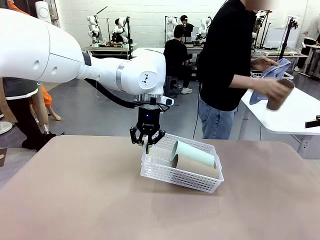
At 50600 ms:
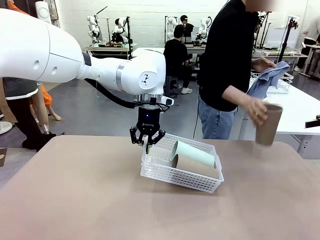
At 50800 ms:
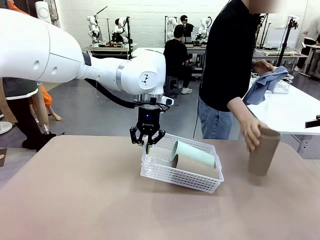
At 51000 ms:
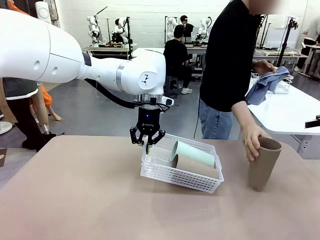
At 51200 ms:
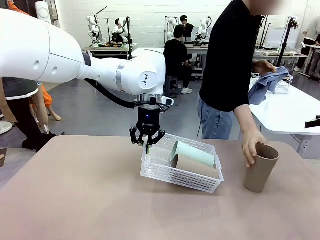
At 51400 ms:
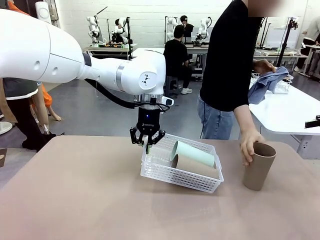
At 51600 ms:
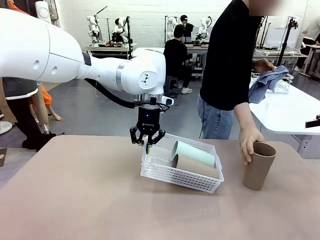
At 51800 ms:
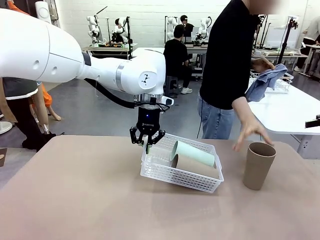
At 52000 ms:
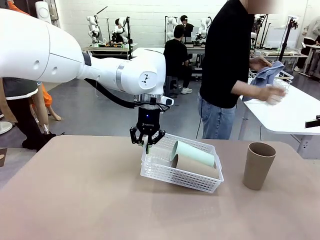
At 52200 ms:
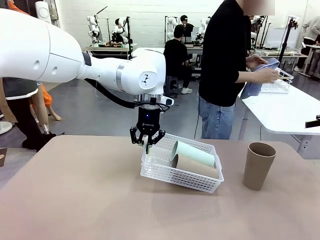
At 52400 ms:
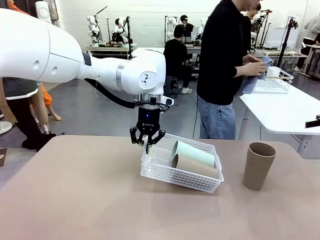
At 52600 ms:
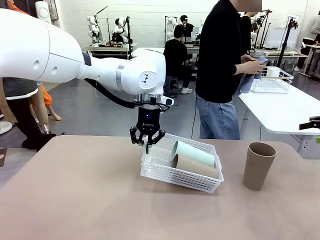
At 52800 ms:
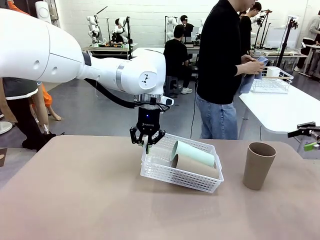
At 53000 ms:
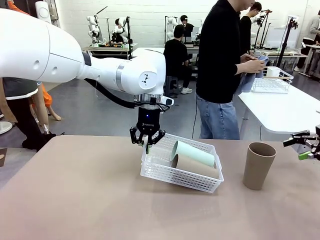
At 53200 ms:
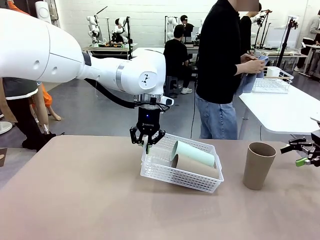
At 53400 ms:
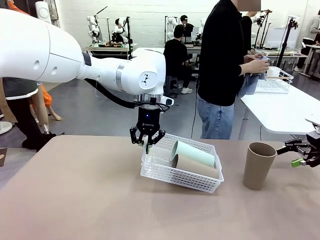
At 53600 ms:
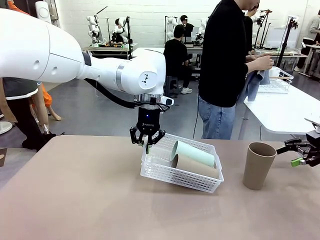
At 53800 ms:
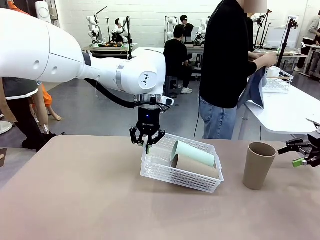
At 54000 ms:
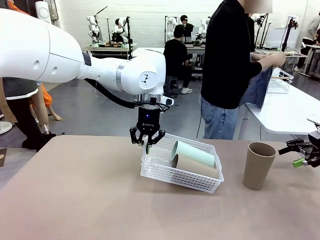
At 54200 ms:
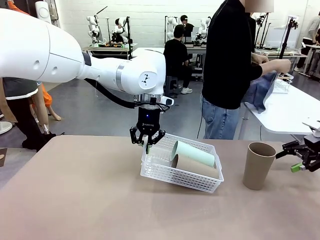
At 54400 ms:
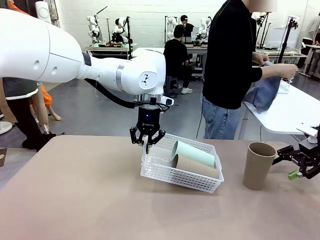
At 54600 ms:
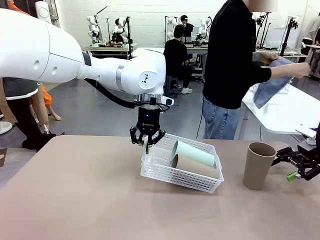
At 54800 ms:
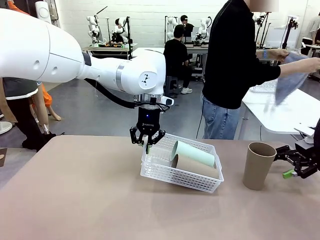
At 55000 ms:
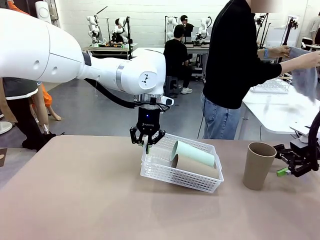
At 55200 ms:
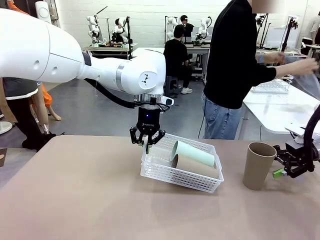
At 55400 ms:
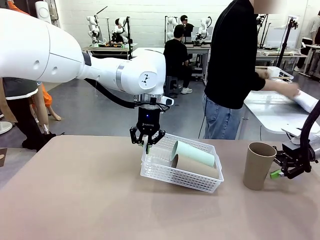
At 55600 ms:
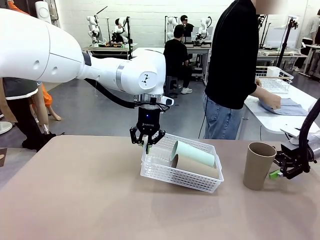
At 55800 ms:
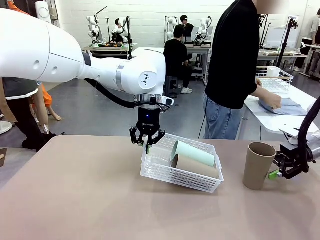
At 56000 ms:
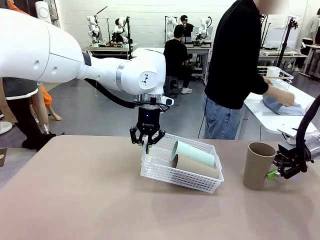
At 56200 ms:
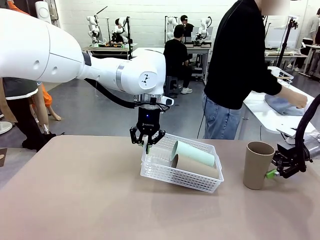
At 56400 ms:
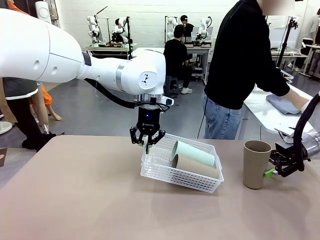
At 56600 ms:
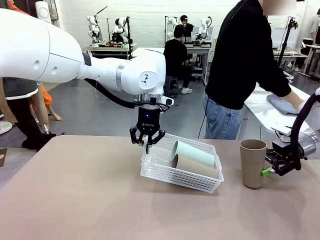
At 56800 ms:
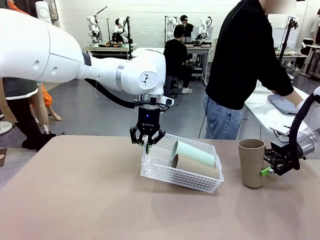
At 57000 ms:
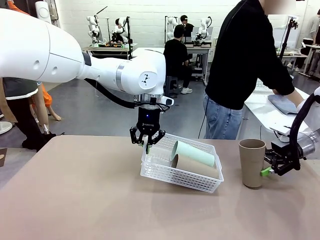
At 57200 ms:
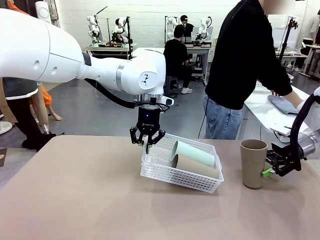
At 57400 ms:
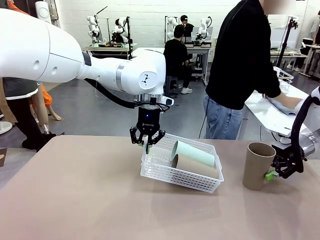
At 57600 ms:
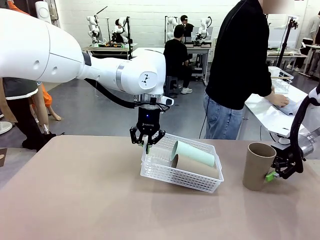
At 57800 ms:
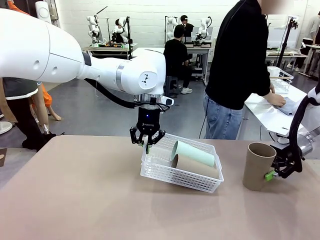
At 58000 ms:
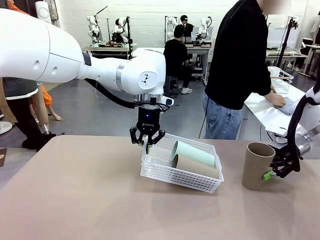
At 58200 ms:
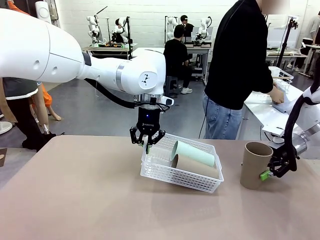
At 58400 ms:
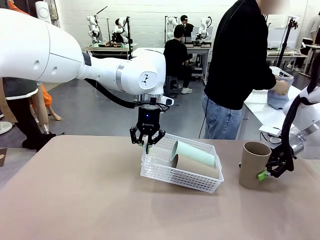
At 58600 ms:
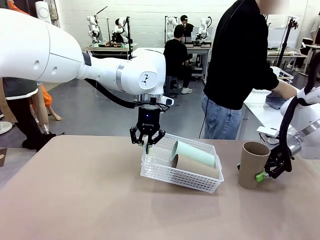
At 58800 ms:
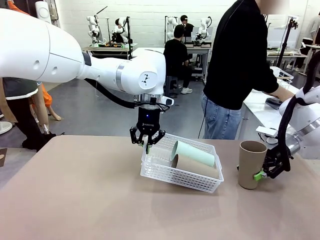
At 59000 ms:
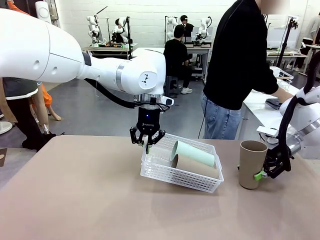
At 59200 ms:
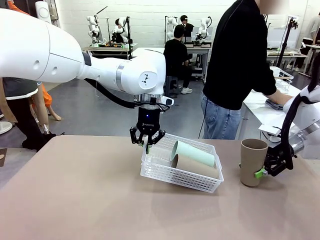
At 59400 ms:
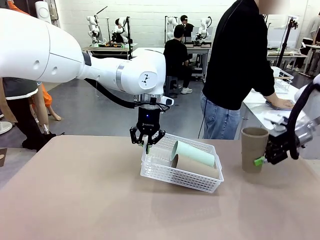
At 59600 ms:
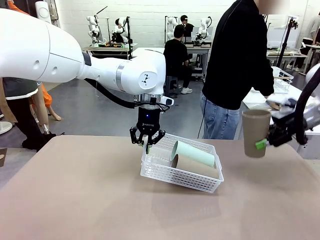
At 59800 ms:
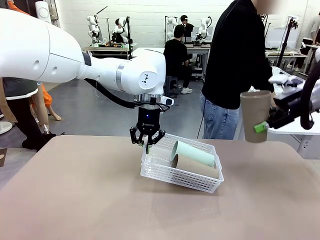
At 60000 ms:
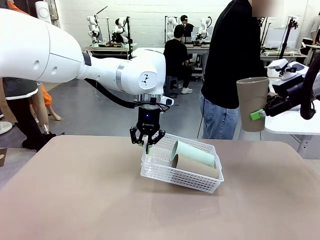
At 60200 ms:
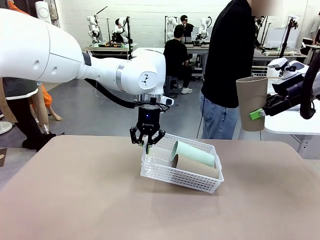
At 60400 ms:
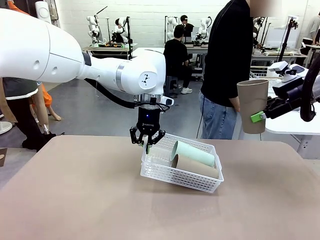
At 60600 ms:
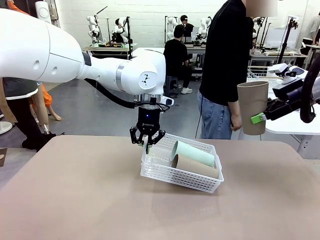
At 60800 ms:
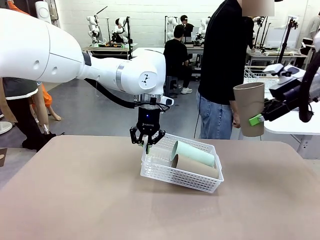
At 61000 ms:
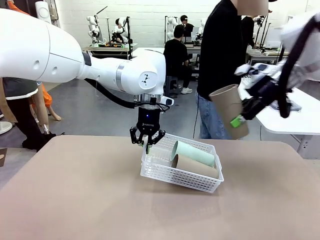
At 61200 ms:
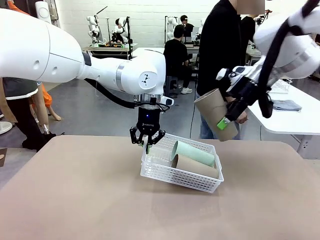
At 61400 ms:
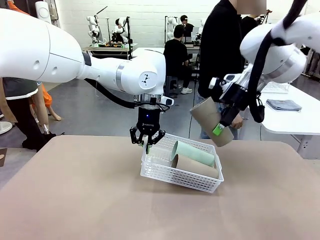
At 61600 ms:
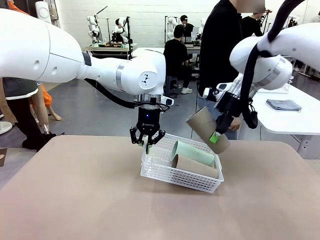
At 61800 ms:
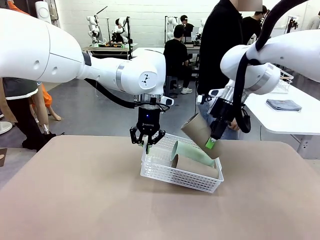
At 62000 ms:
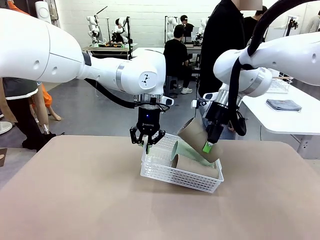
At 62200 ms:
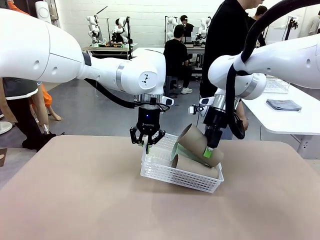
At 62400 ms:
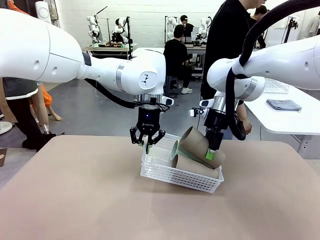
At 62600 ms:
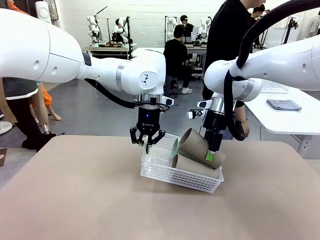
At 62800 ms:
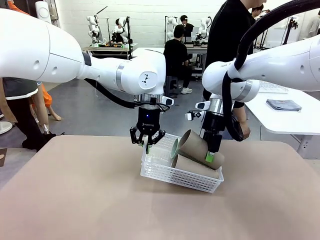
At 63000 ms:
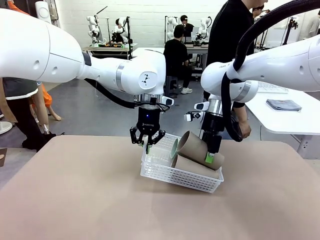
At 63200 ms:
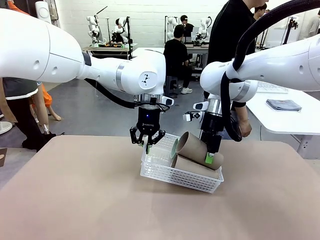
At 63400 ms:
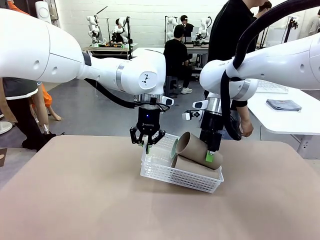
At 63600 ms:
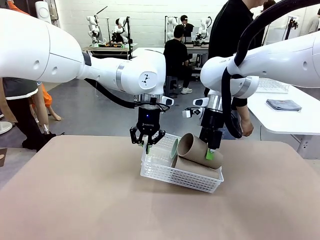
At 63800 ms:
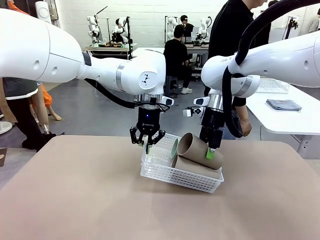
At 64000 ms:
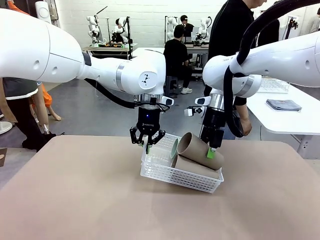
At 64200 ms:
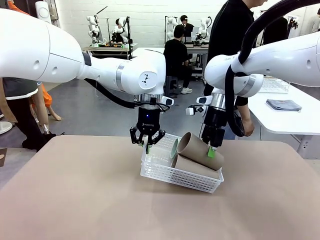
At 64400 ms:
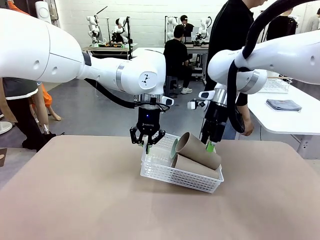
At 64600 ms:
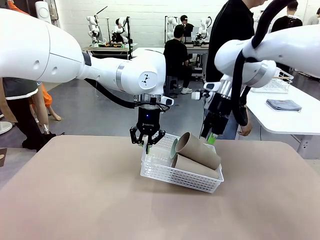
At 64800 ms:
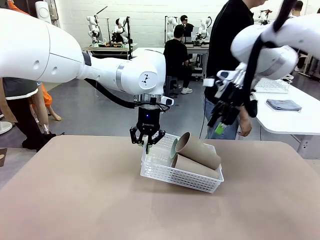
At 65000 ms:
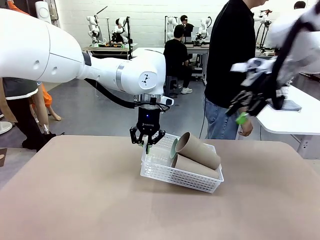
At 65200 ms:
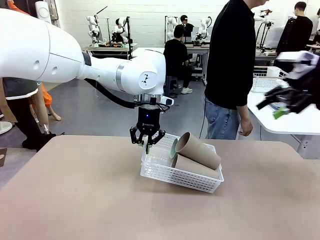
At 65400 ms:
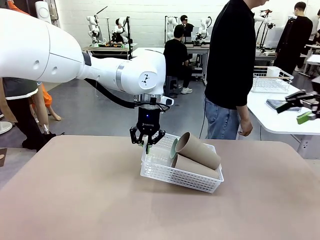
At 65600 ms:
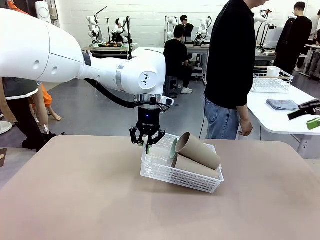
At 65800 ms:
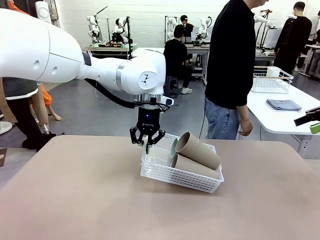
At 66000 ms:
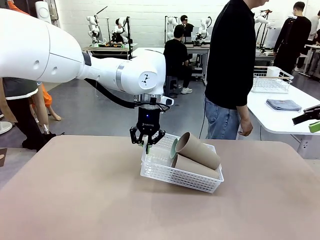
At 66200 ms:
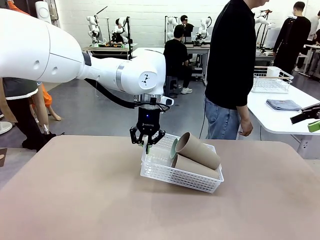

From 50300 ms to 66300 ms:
Task: Clean and organize the cups into the basket.
Robot: Pick up the Reusable plastic cup from the right side of the table and stack it inside the Organizing basket in the center of the table.
Person: Folds the towel in half twice and places it in the right of the table.

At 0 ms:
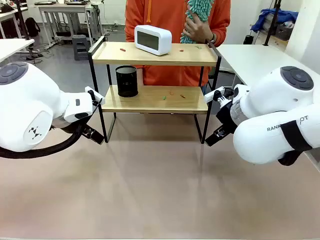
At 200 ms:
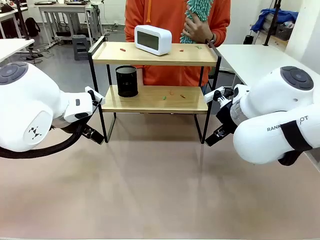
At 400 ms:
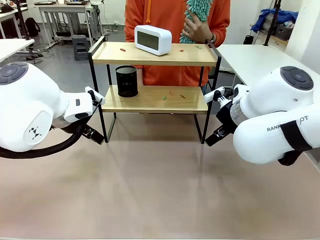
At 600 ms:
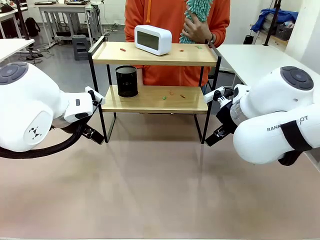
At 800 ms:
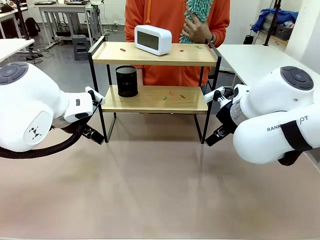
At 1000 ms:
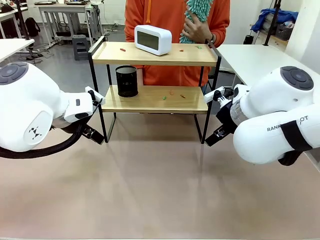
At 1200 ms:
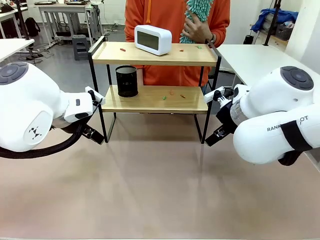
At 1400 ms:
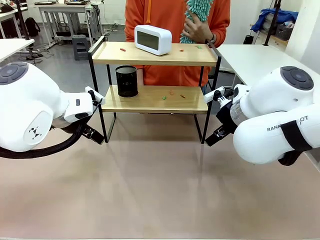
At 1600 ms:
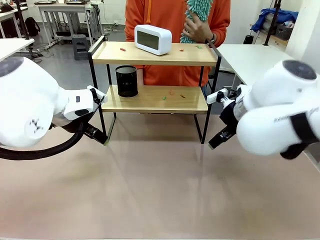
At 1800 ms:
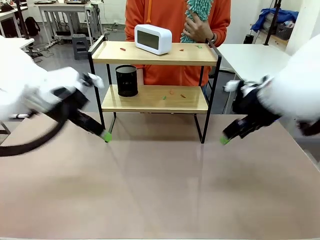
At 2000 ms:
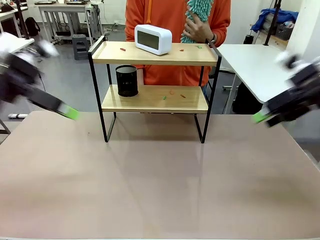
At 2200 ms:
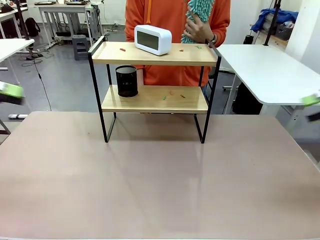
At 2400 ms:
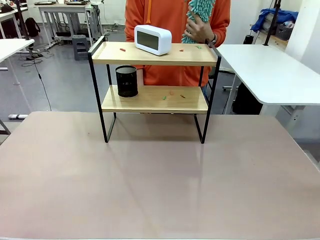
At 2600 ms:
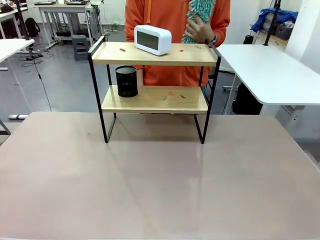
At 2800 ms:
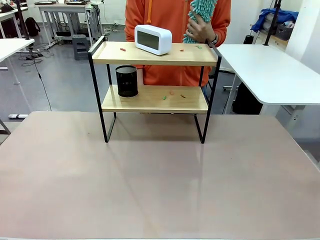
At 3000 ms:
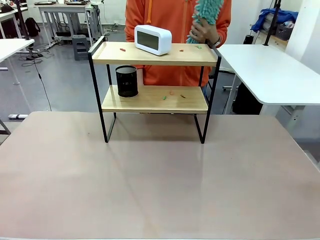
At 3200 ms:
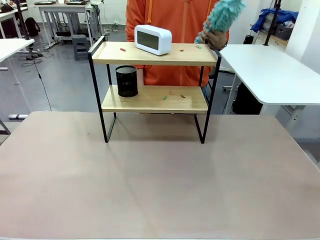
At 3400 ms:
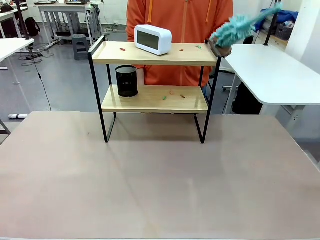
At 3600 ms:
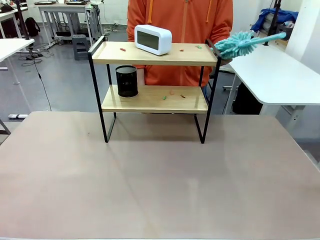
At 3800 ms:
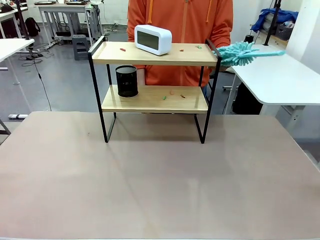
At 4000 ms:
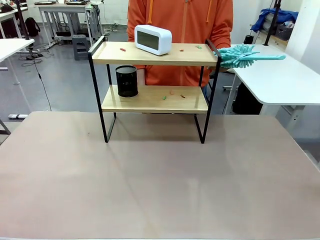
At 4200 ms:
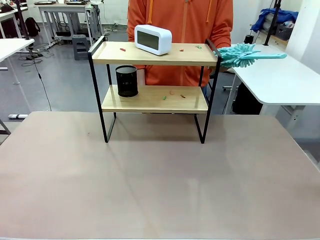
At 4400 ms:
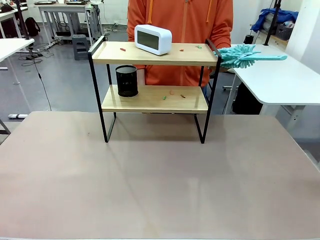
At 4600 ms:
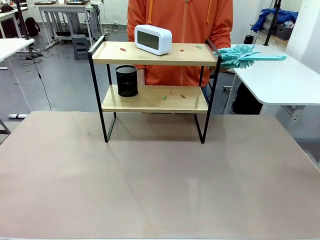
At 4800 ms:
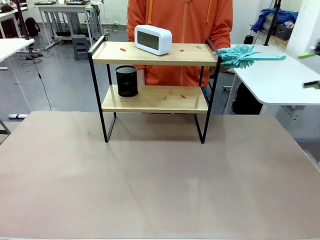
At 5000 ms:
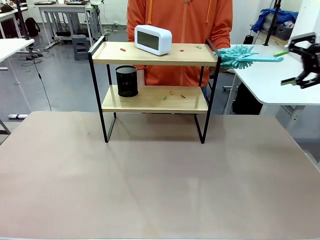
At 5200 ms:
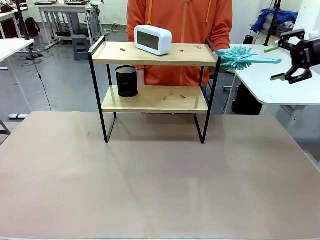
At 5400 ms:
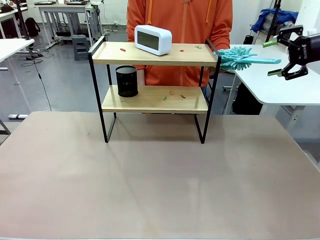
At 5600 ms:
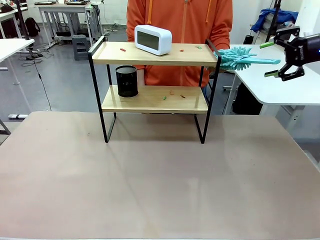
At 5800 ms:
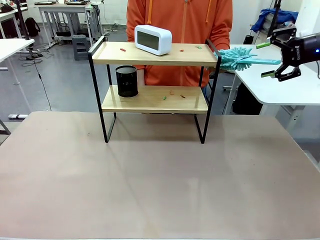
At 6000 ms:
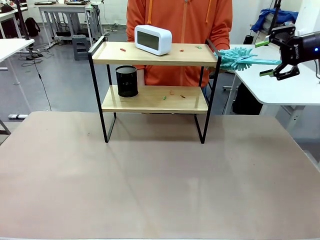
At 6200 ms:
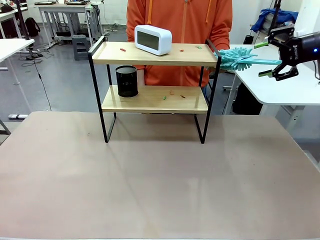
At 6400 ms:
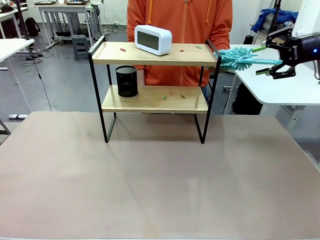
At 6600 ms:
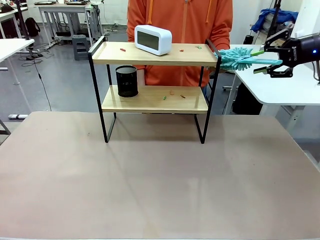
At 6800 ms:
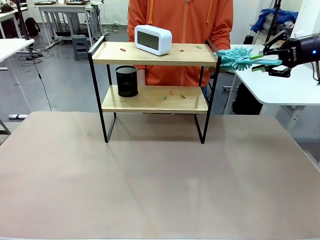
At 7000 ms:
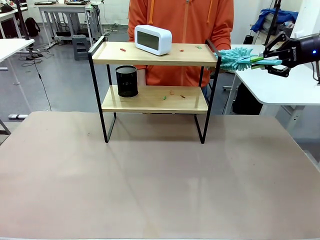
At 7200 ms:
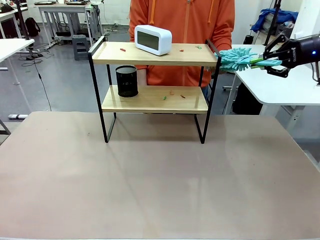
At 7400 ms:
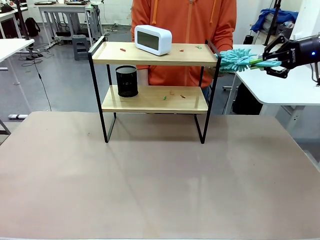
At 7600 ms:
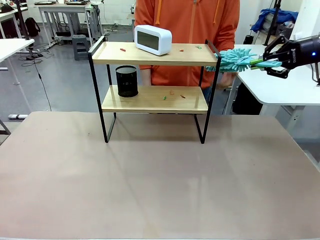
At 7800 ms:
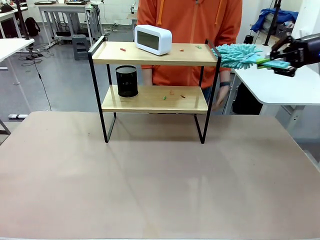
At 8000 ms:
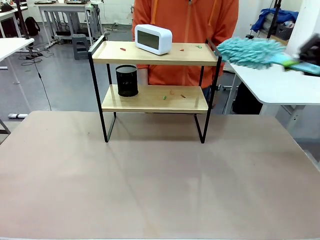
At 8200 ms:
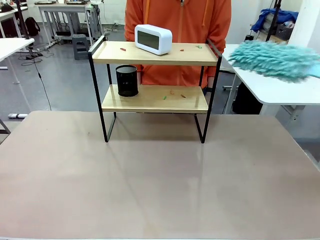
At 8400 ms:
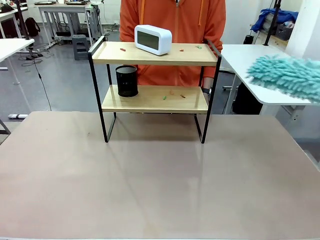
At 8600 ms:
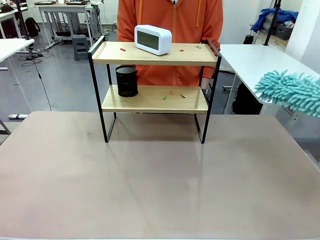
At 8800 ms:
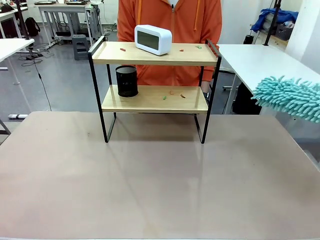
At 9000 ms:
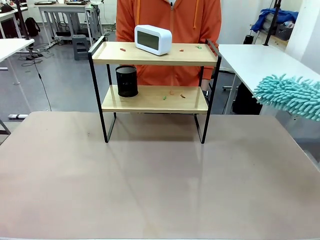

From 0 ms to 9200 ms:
Task: Clean the shelf.
Robot: Pick up the Duster from the human.
Person: Hand the Duster to the robot.
